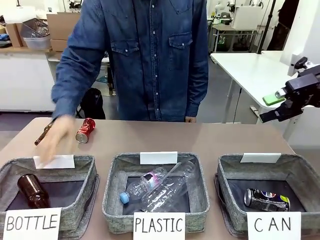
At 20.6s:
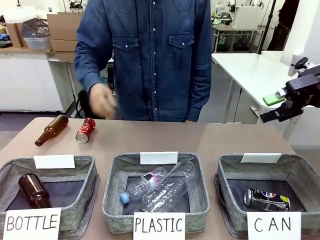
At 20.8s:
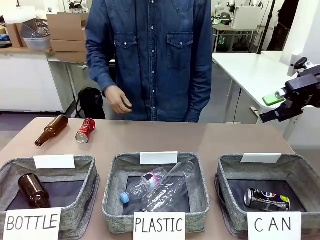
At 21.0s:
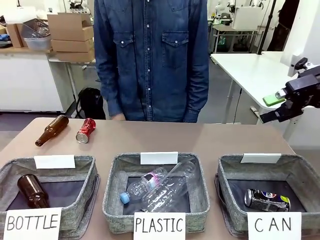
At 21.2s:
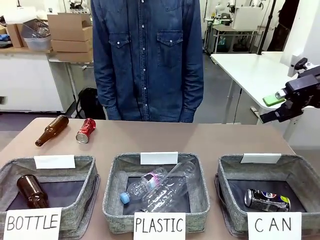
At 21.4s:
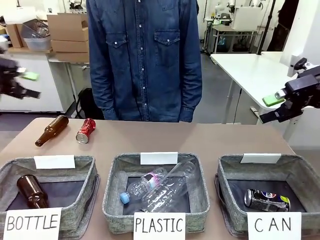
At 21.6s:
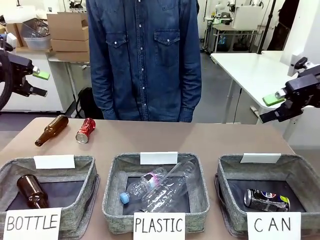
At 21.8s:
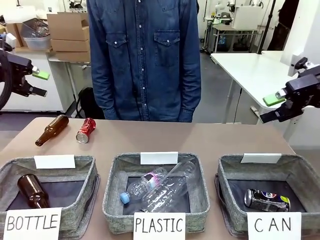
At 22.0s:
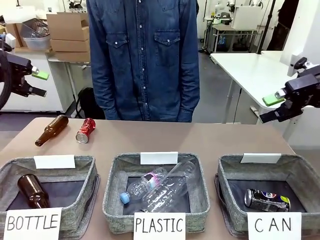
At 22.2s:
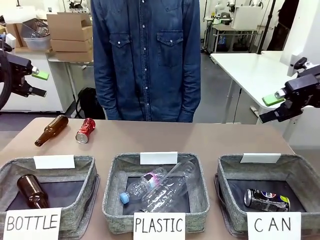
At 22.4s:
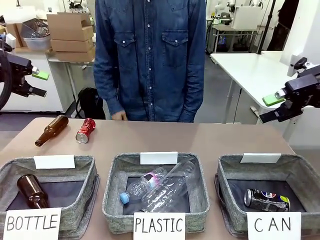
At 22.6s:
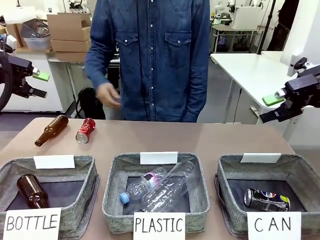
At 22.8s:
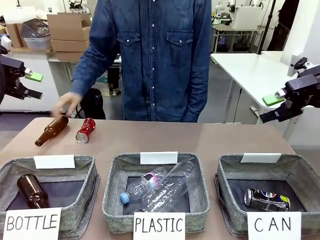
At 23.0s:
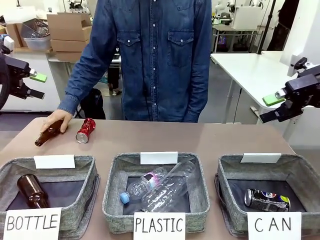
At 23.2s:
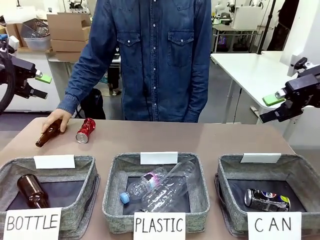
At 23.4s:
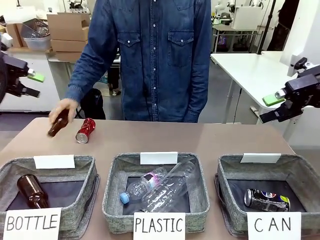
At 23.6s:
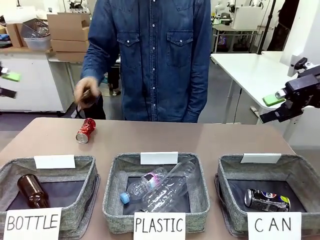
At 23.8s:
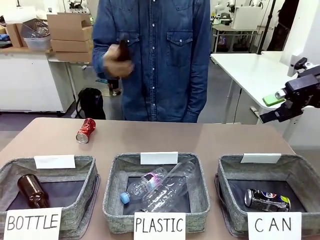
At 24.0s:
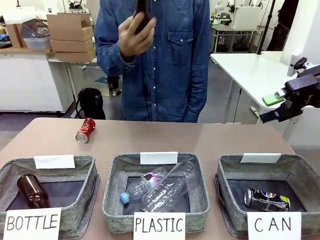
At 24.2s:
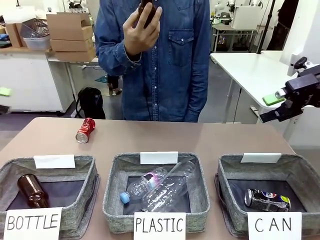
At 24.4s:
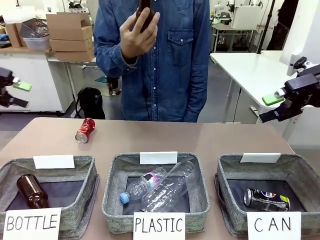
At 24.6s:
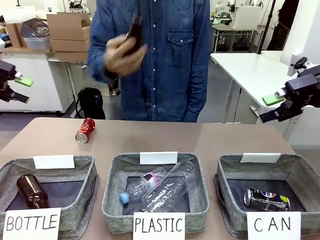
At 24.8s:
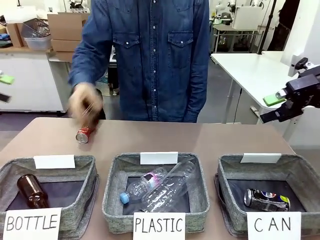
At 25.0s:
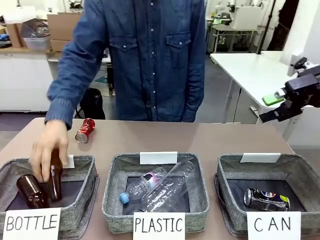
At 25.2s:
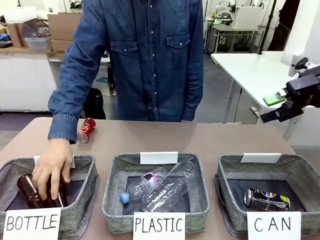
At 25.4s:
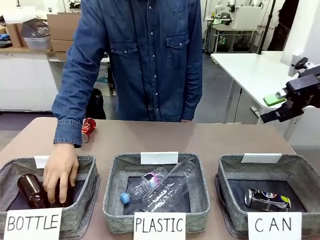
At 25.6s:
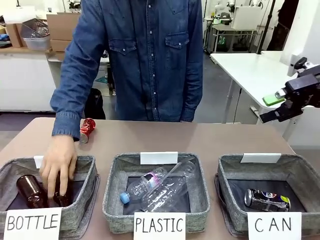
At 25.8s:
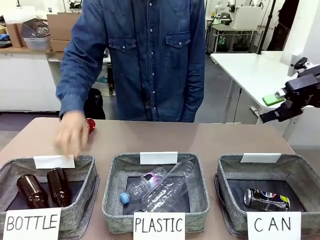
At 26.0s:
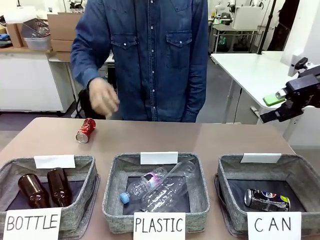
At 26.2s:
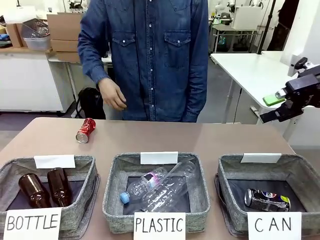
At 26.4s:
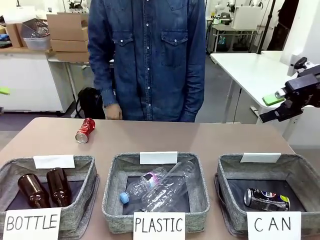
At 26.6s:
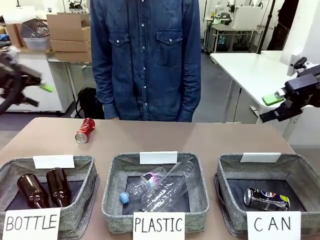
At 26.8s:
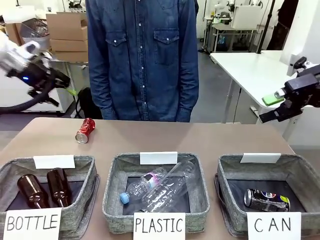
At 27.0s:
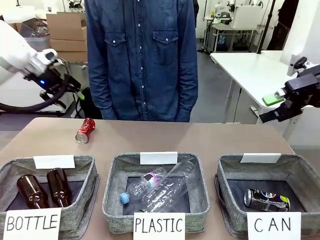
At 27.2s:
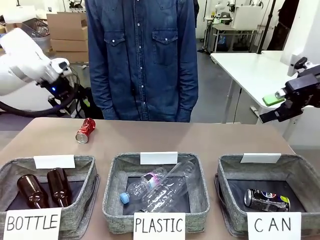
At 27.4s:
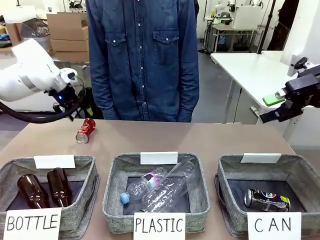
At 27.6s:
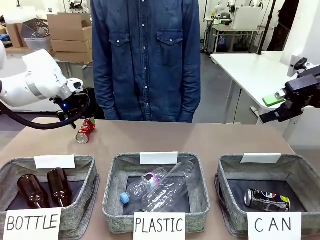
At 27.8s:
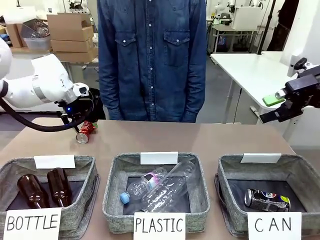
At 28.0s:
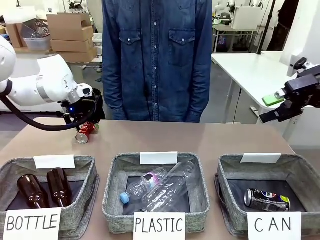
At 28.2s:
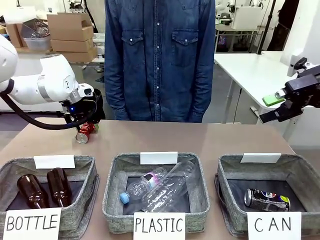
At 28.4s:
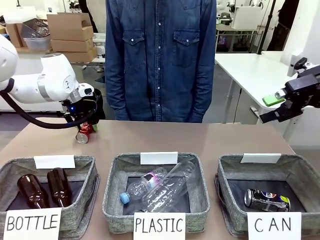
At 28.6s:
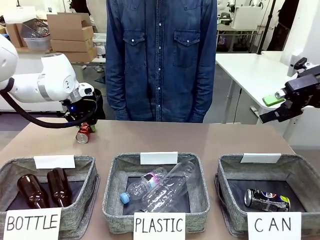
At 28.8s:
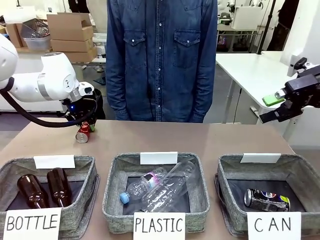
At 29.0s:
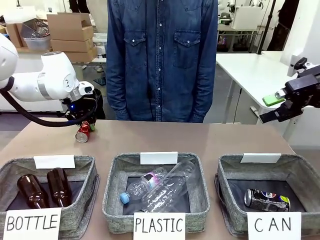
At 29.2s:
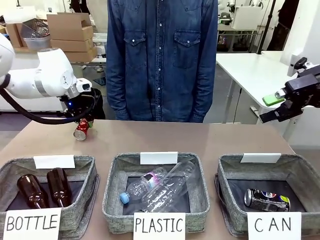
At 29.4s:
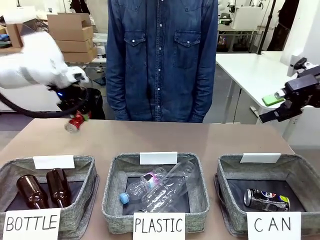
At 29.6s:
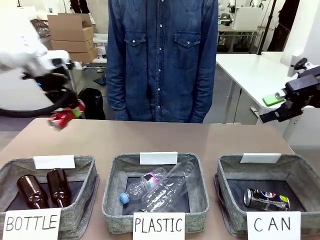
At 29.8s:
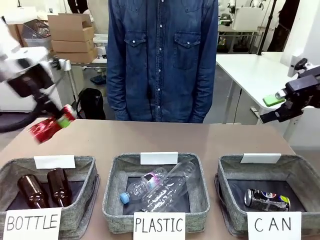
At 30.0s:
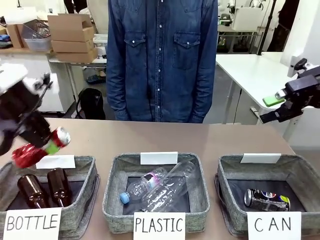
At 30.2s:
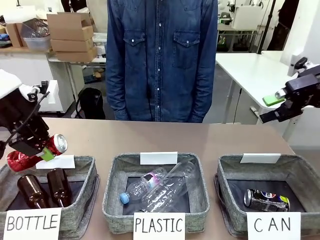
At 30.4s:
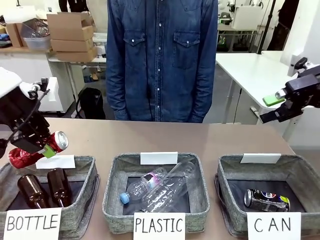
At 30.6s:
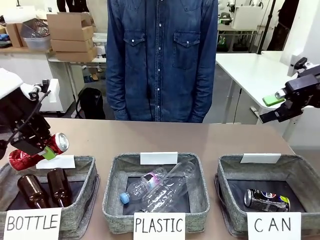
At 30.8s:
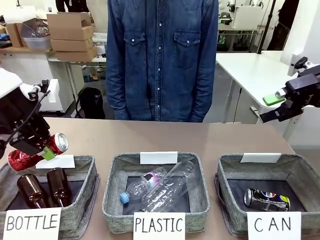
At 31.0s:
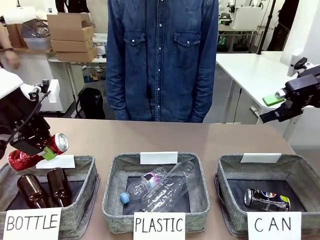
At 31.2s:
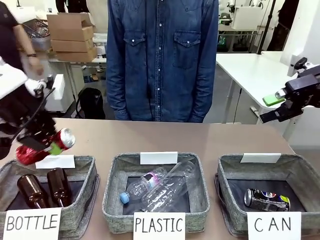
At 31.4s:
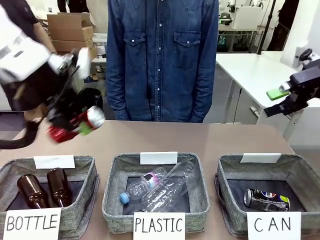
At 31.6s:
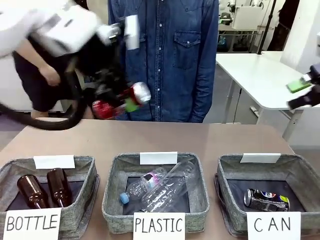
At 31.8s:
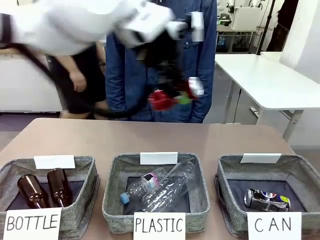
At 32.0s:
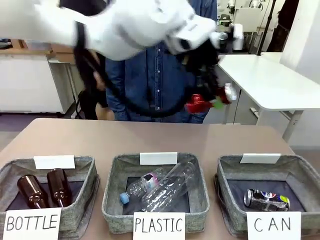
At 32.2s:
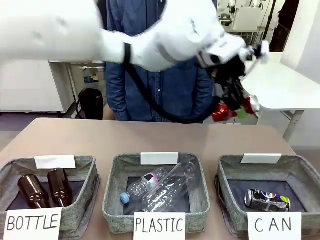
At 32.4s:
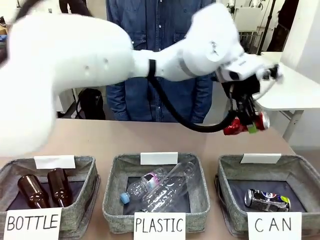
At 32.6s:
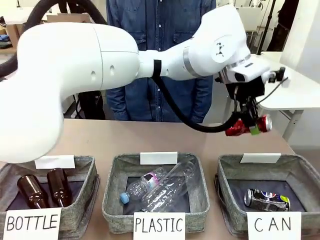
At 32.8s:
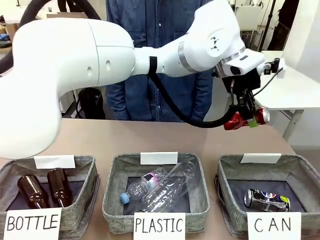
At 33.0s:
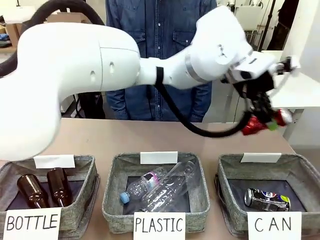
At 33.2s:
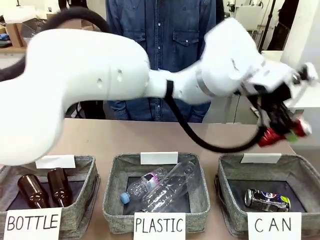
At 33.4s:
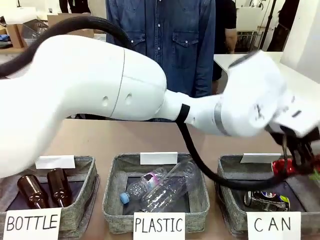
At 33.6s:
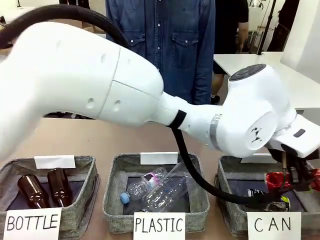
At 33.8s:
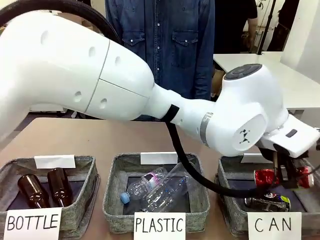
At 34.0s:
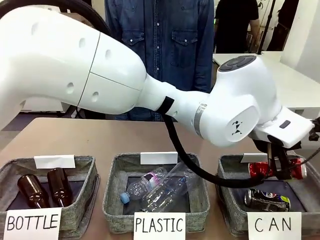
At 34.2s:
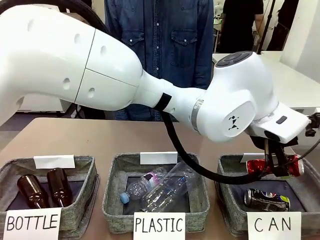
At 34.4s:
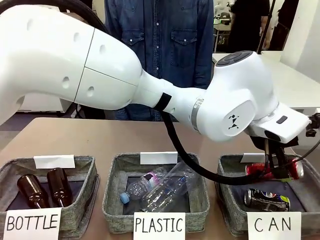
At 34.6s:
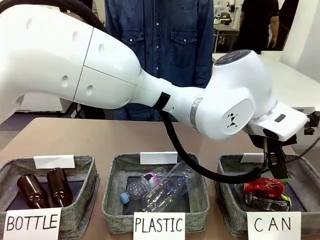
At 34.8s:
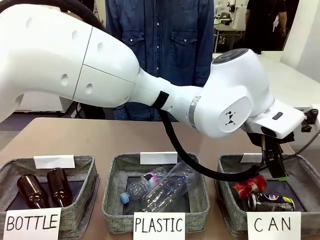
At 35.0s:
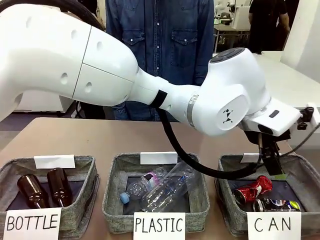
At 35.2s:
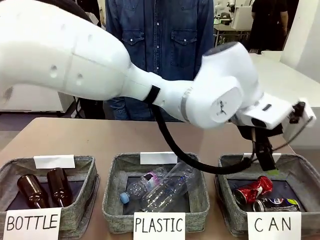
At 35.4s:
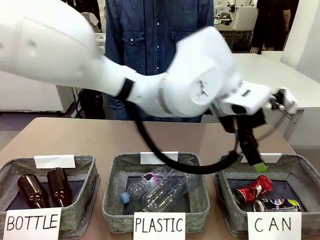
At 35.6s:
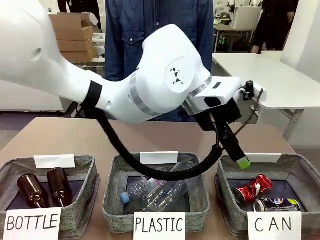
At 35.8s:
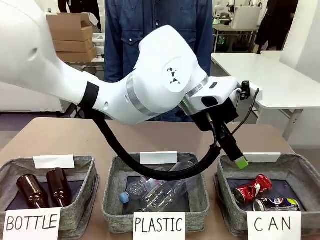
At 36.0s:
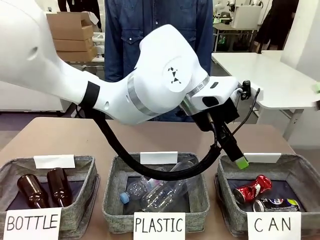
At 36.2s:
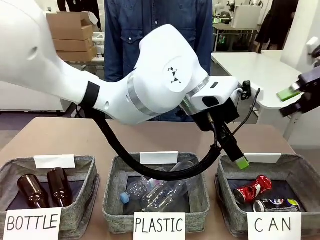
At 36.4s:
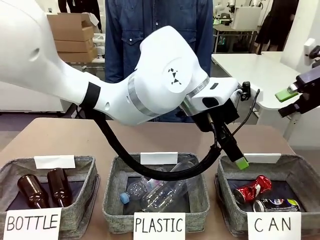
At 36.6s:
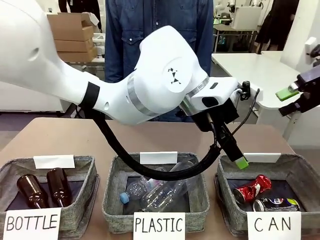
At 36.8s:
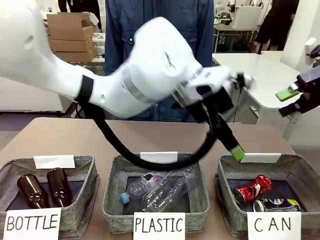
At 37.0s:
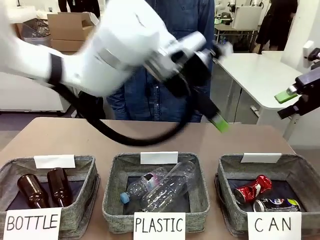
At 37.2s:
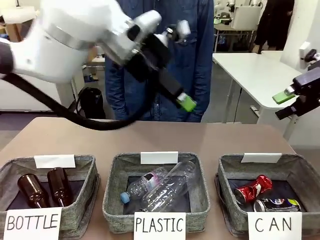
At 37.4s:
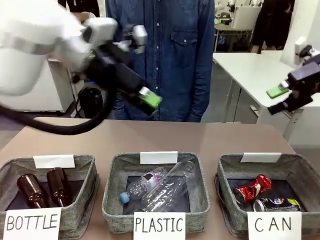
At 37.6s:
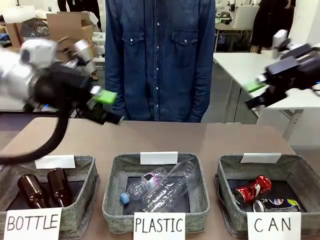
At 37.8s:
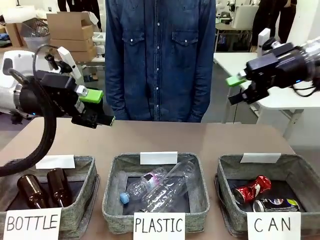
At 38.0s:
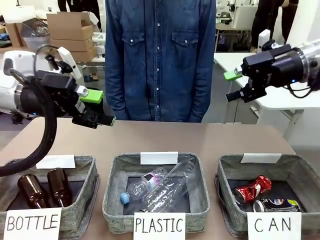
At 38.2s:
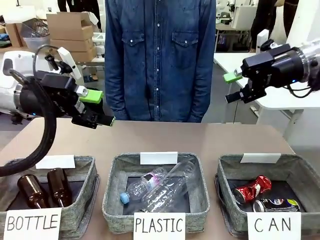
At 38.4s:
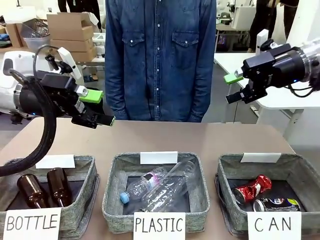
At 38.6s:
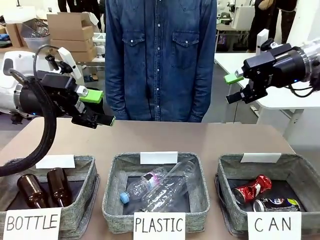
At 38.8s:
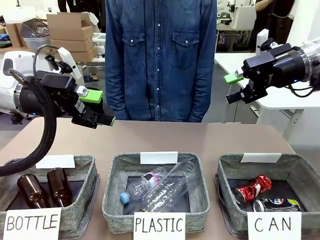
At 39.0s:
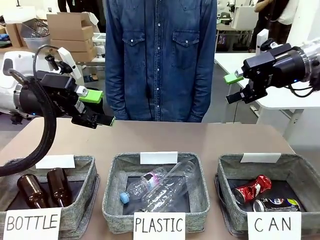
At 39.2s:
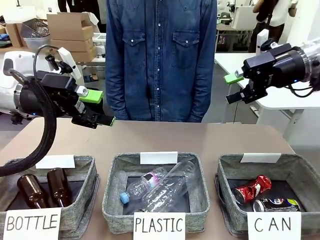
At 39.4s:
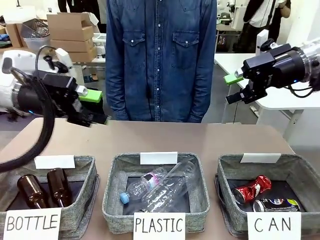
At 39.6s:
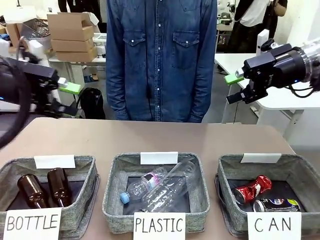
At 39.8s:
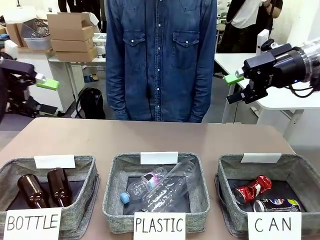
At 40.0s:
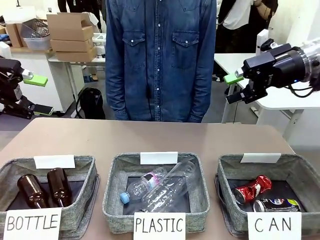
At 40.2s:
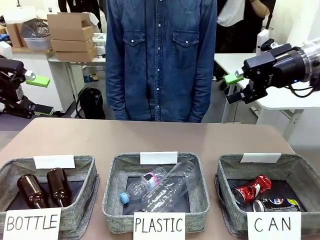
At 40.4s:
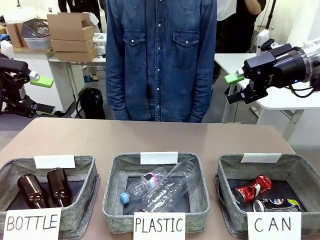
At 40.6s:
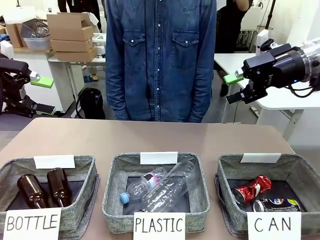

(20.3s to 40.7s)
Task: Sort the can waste into the basket.
Robot: Pick up the can waste from the table and place it in the right Fabric basket.
Person: The human picks up one piece of trash that is not a can and places the trash into the appropriate organizing basket.
